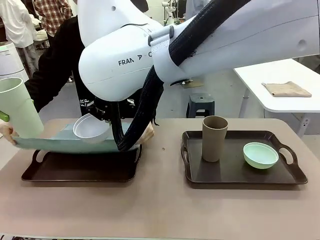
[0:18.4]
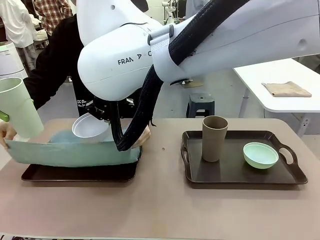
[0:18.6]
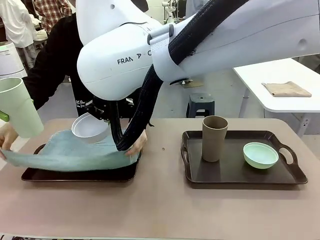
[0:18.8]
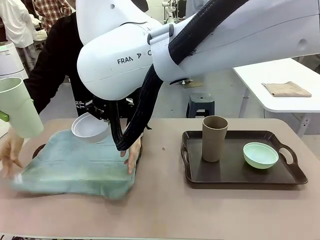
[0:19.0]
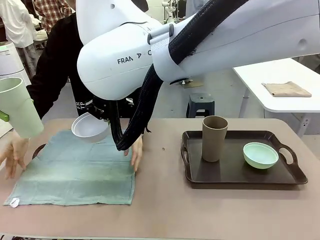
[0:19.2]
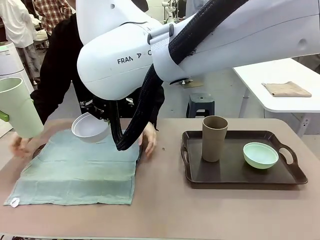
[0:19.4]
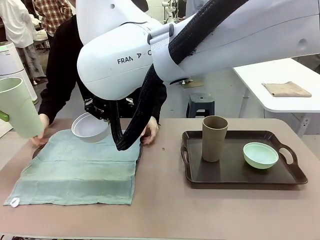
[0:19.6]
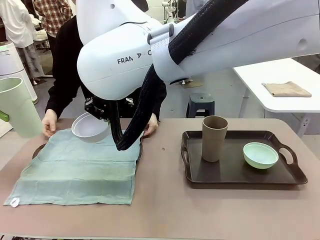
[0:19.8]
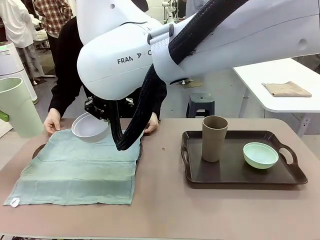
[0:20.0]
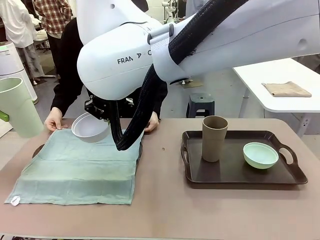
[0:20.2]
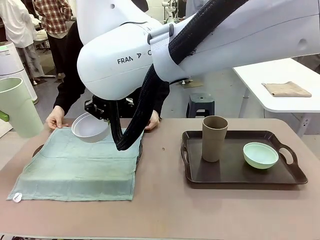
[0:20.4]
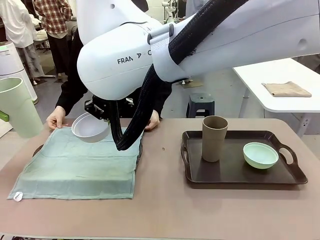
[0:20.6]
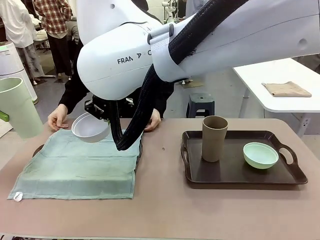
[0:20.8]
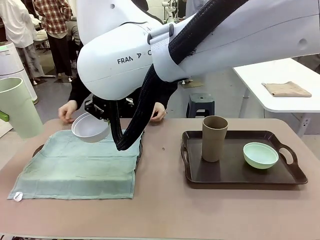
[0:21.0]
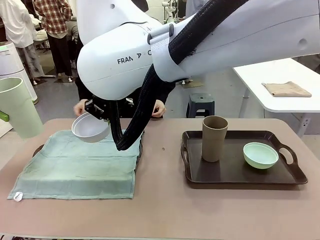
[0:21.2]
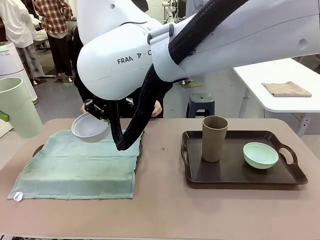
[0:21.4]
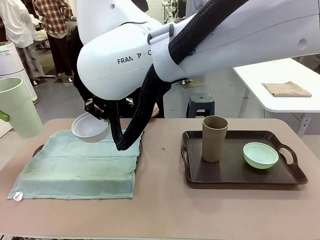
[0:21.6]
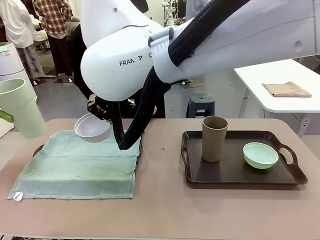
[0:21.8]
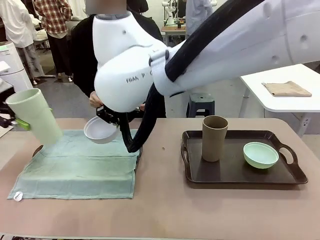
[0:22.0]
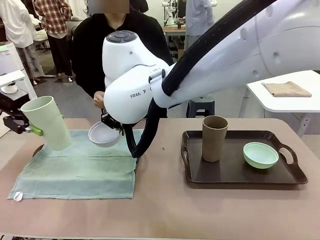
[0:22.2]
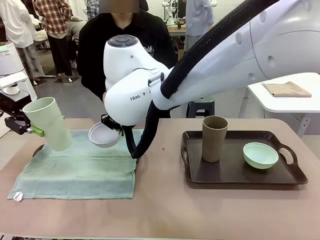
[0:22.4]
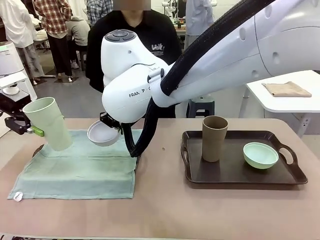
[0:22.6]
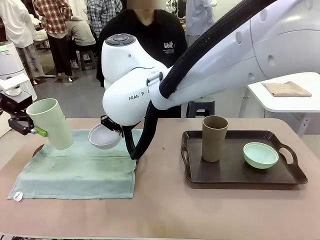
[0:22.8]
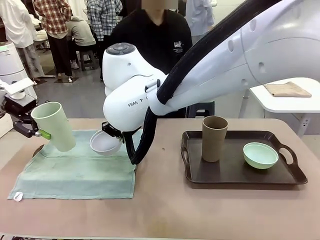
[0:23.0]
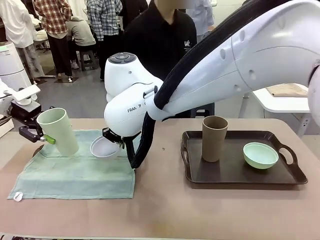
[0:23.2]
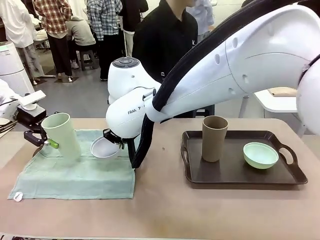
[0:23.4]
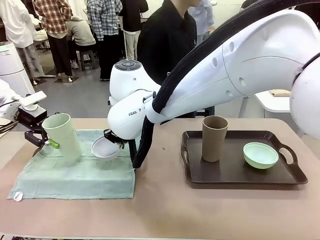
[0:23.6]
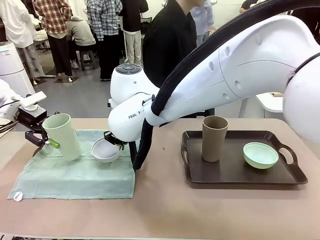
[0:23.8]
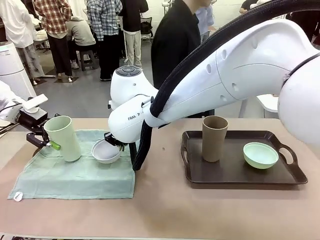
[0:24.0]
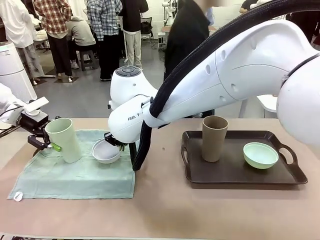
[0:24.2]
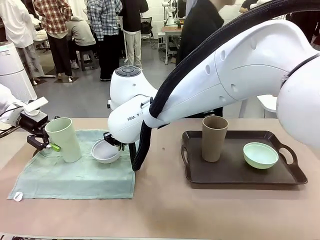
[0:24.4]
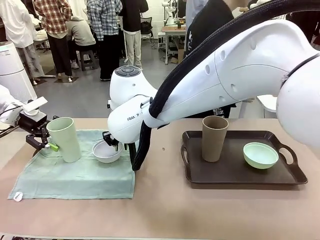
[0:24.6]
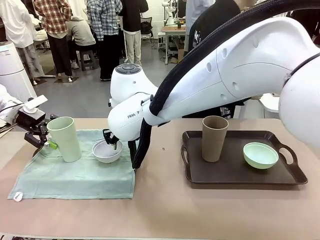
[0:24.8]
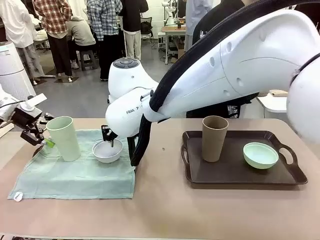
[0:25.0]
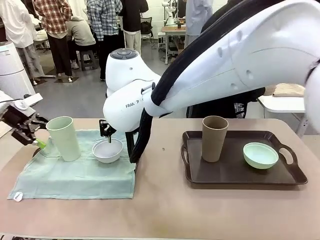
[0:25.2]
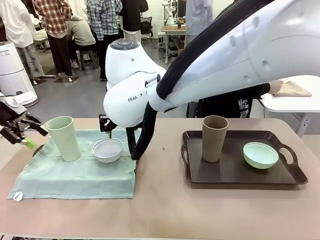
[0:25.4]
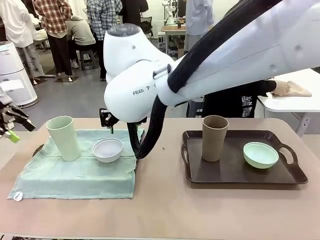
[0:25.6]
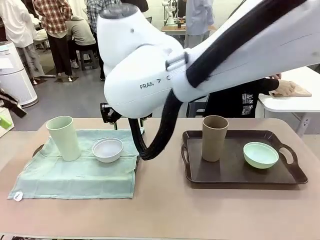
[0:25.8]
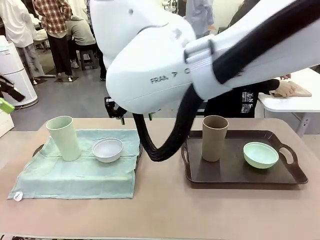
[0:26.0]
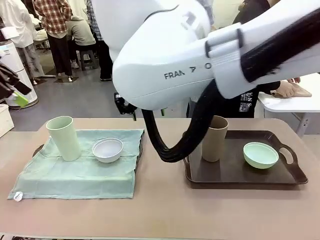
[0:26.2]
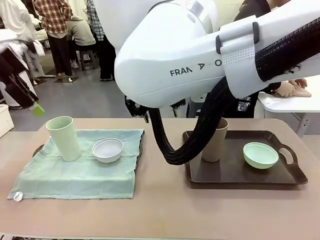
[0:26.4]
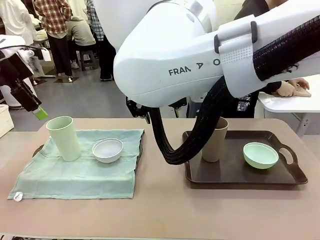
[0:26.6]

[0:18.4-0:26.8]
Robot: Place the Picnic Bowl and Reusable plastic cup back onto the Handle tray in front of the human's position.
Person: The human returns to the human table to pick up another napkin and walks to the robot table to stand in front of the tray without a napkin.

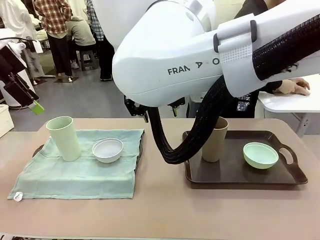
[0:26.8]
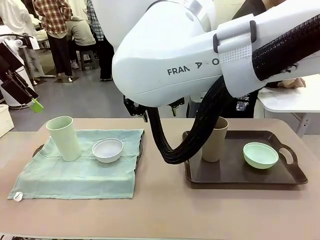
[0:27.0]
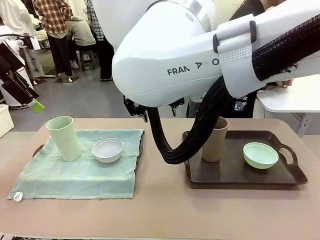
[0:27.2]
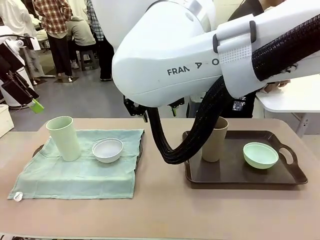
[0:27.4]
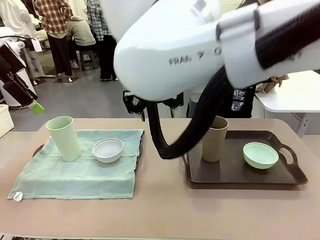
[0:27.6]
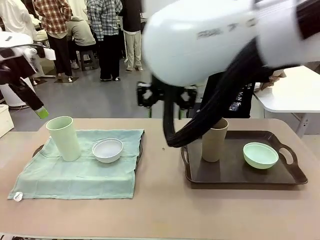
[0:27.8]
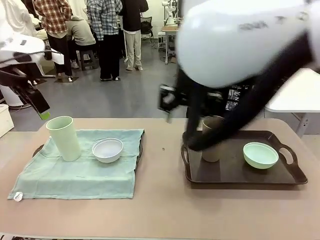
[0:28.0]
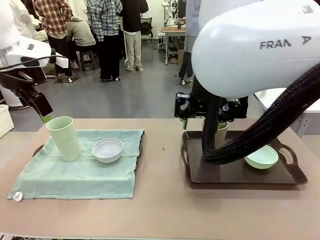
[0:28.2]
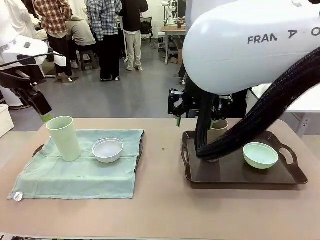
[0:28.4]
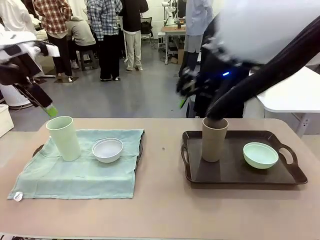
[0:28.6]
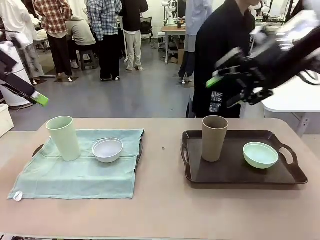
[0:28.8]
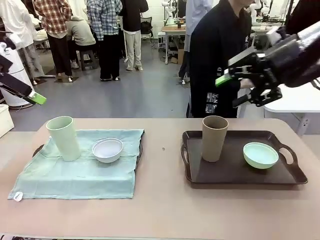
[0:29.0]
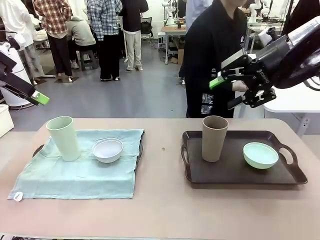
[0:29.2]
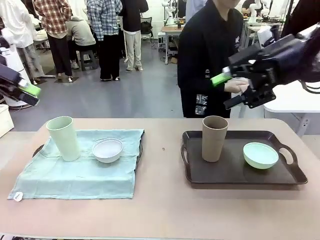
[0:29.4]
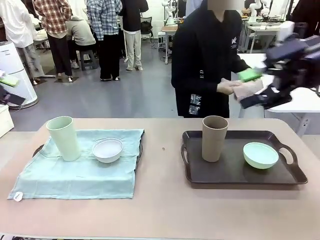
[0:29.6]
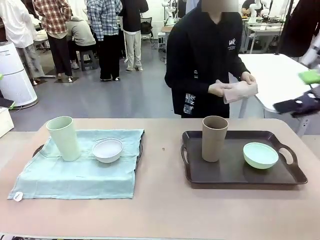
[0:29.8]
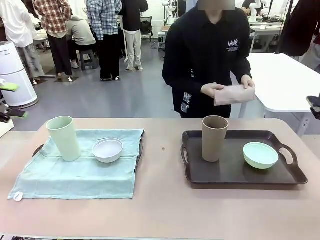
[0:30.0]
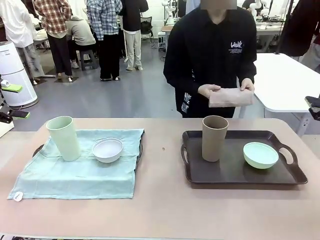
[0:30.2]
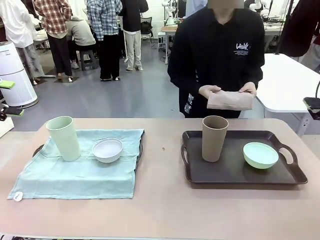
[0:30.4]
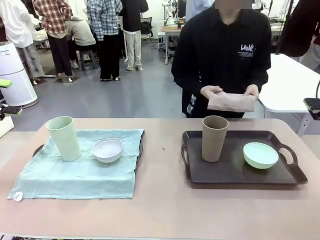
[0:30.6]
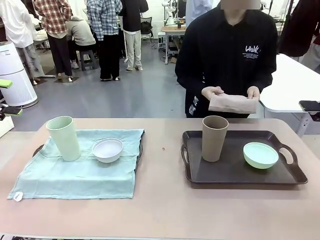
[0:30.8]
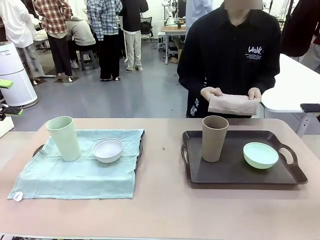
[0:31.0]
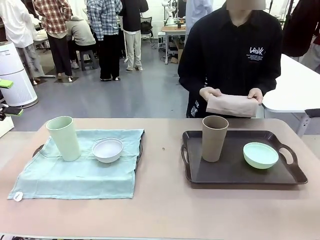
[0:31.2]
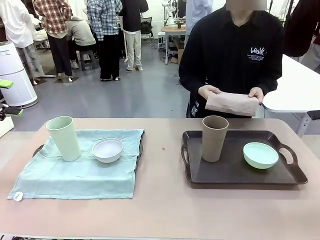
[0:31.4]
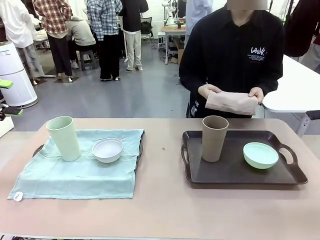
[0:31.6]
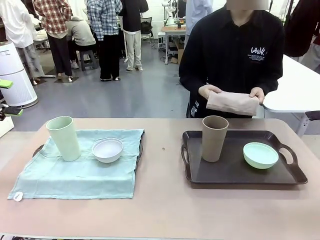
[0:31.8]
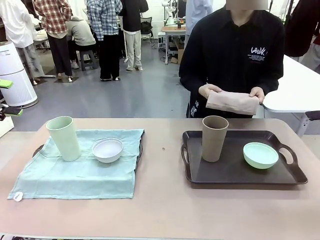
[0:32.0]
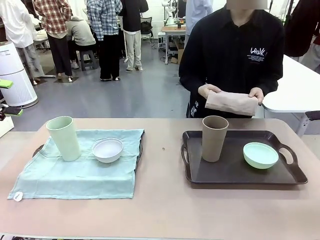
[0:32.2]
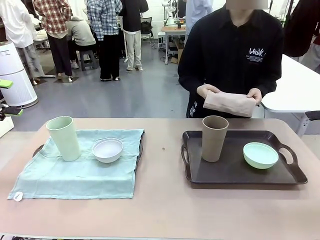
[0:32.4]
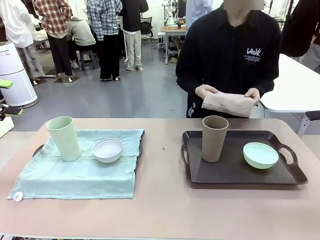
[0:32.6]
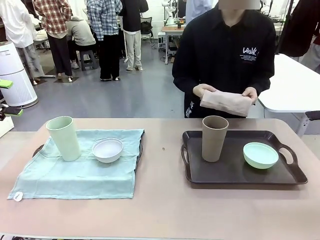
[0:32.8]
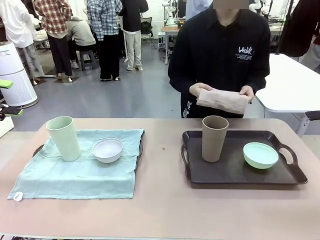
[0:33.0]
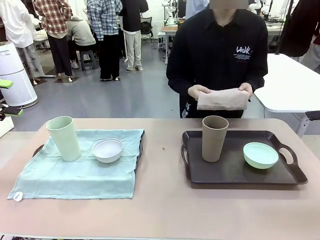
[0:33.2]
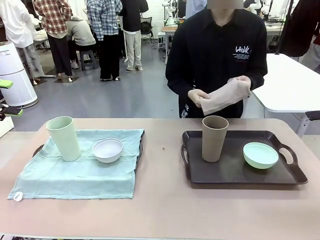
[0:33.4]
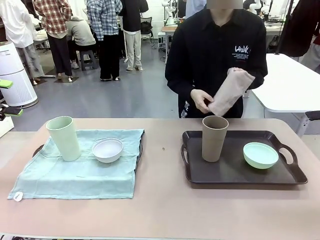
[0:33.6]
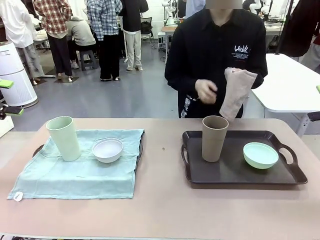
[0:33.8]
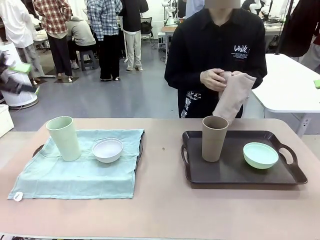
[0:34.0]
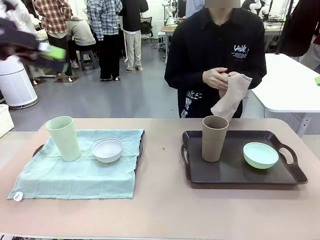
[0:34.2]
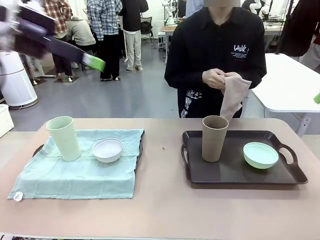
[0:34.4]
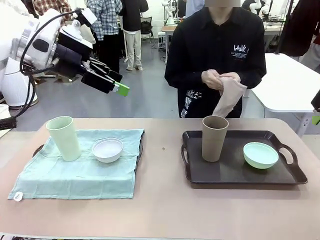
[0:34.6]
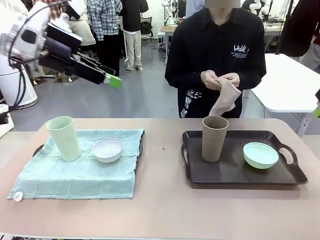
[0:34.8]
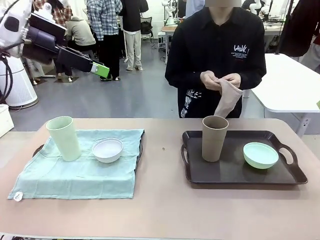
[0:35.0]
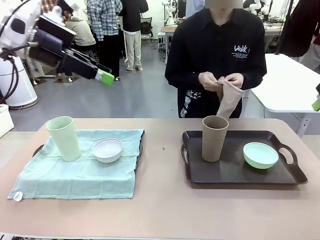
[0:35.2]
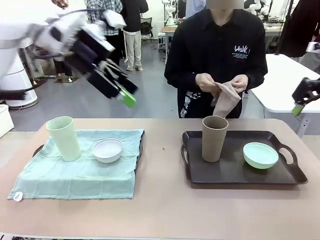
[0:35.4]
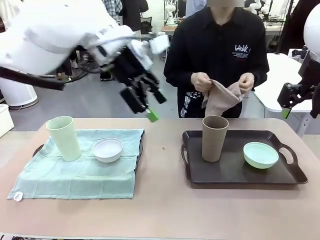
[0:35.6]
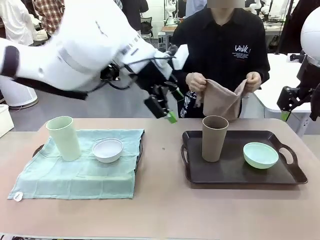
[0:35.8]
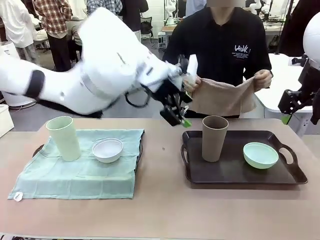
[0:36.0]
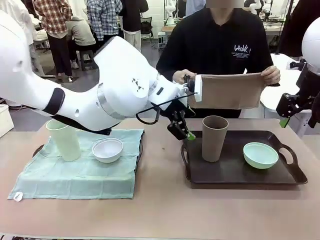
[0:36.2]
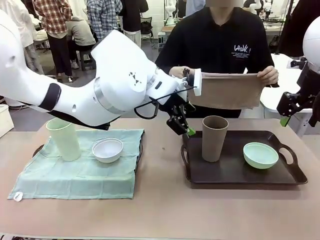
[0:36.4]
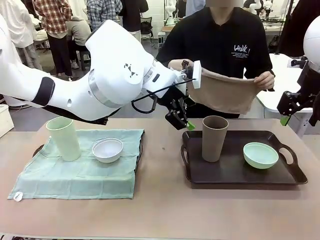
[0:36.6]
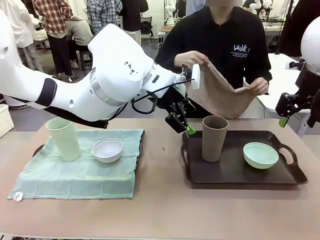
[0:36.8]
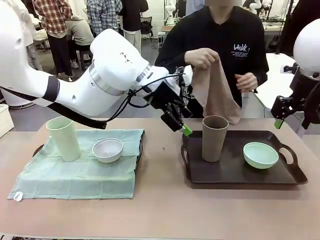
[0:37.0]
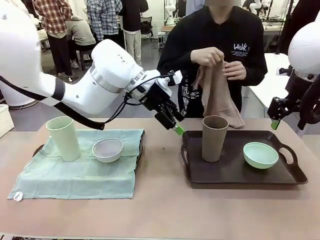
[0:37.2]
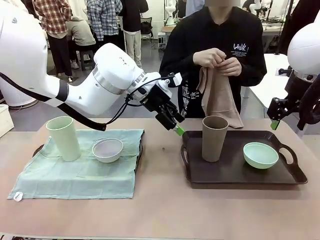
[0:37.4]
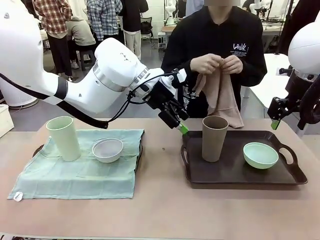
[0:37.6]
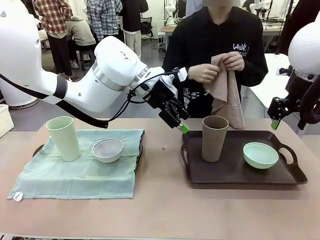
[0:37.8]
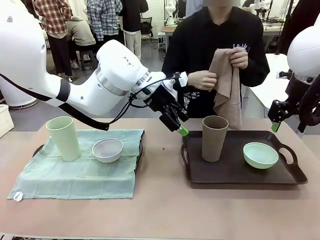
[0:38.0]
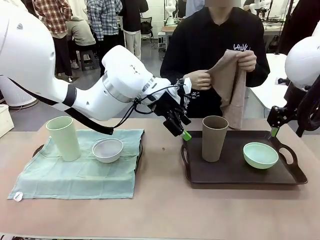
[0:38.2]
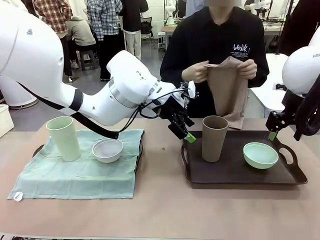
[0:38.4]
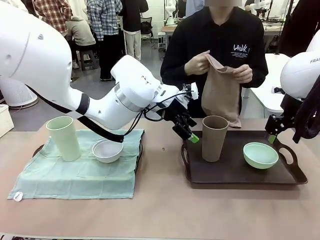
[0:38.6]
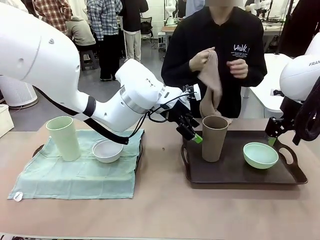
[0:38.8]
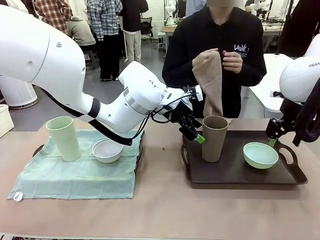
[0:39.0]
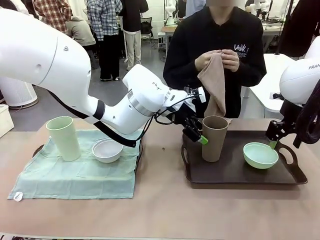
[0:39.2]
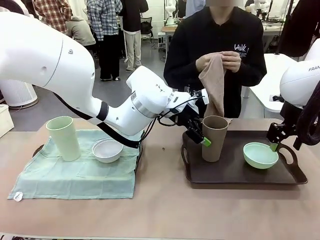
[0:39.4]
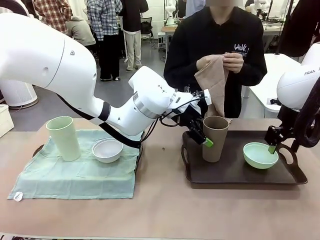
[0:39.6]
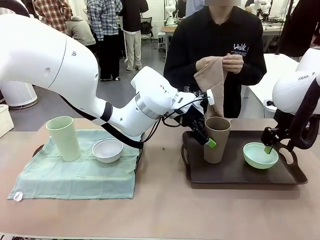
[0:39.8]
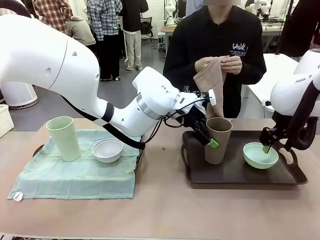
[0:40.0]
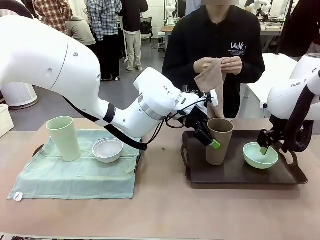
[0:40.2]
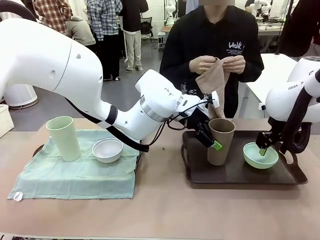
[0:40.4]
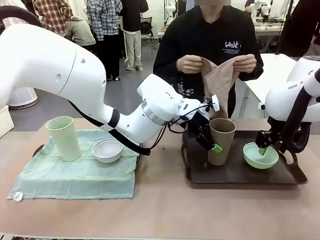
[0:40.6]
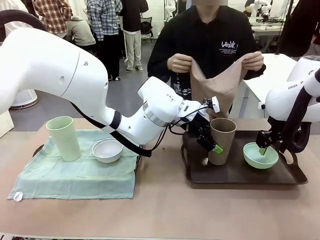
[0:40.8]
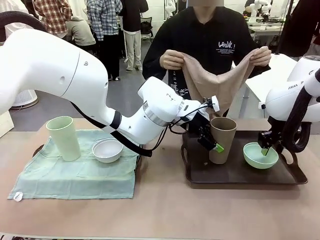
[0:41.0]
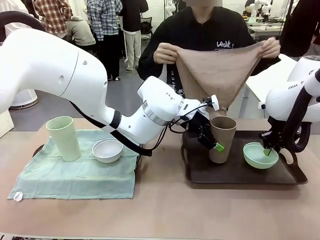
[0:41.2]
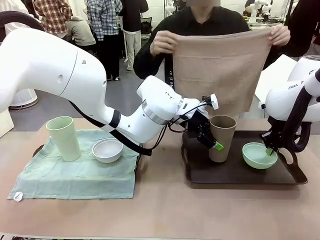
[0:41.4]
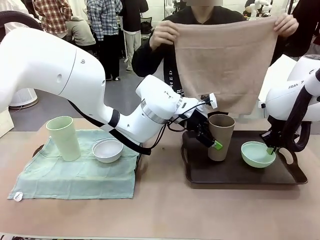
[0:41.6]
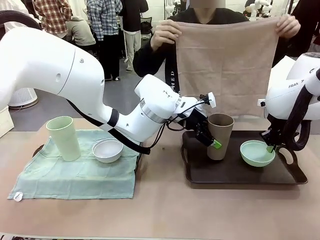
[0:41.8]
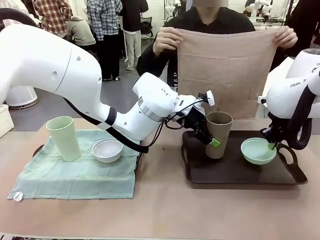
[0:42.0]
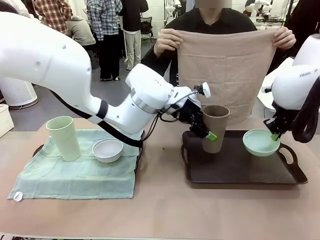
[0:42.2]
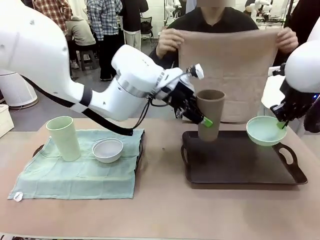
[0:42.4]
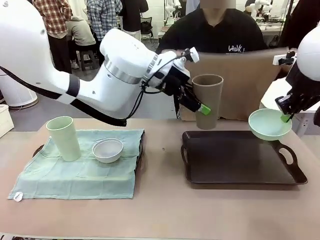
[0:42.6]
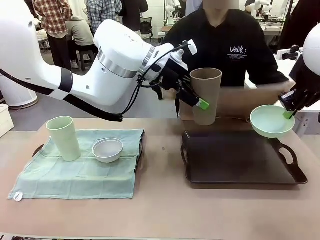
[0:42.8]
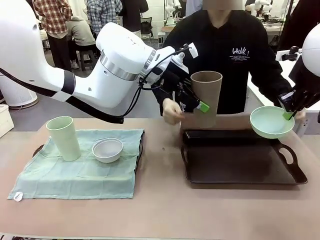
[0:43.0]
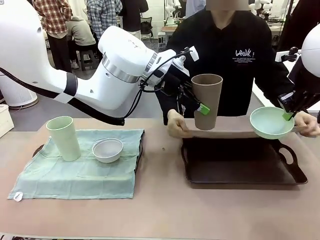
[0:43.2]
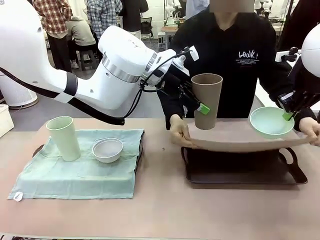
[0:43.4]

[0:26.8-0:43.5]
Robot: Pick up the Picnic Bowl and Reusable plastic cup from the Handle tray in front of the human's position and hold them in the air.
Person: When the robot lifts the bowl and the cup, the human unfolds the napkin and lays the napkin flat on the tray.
